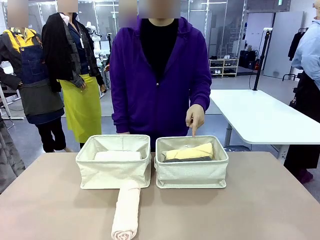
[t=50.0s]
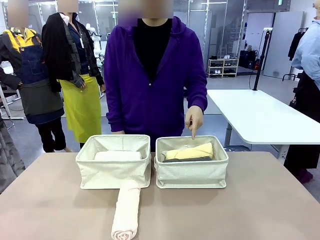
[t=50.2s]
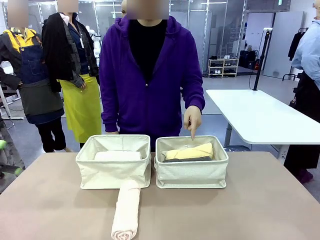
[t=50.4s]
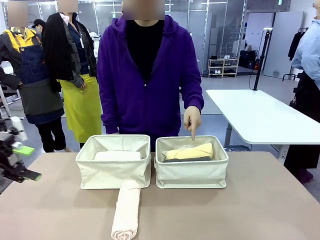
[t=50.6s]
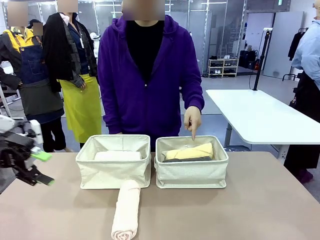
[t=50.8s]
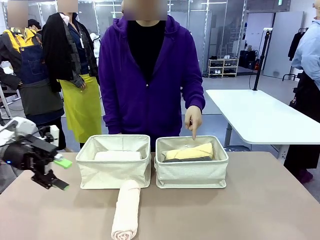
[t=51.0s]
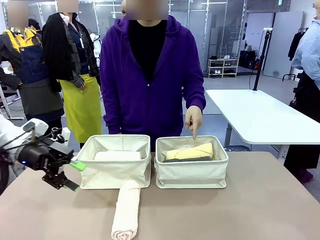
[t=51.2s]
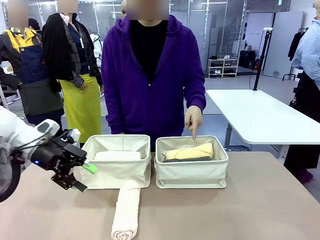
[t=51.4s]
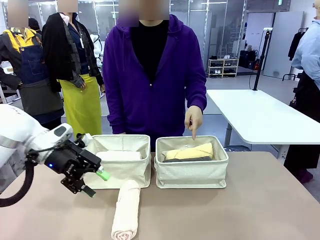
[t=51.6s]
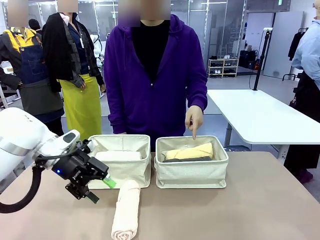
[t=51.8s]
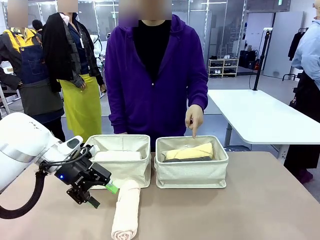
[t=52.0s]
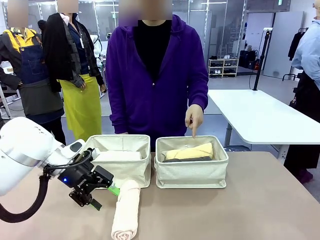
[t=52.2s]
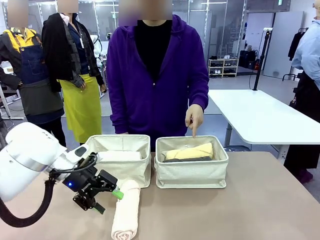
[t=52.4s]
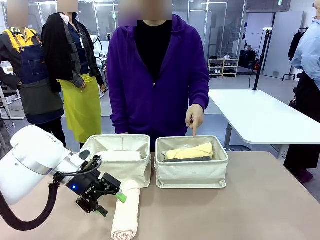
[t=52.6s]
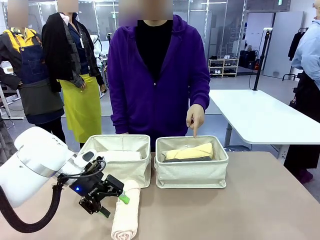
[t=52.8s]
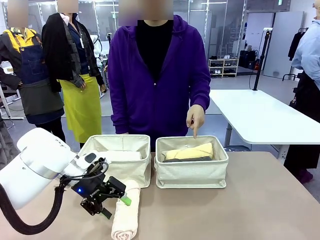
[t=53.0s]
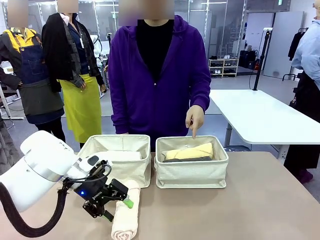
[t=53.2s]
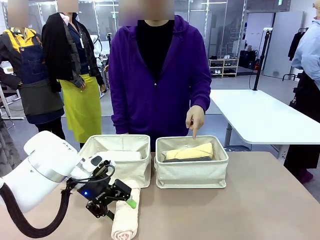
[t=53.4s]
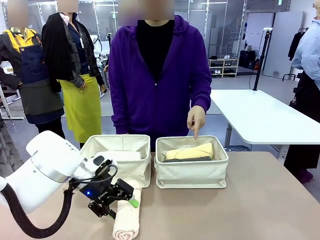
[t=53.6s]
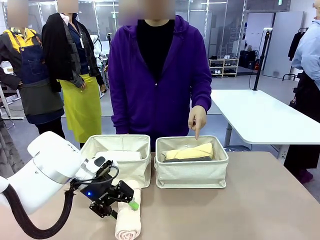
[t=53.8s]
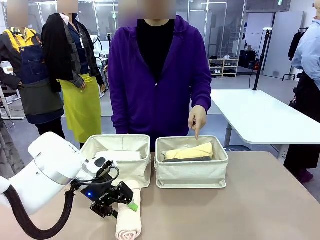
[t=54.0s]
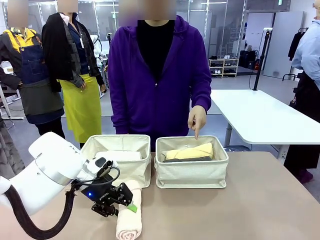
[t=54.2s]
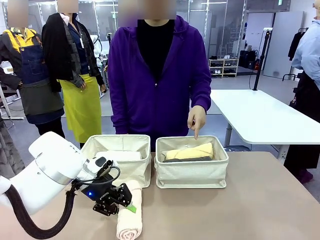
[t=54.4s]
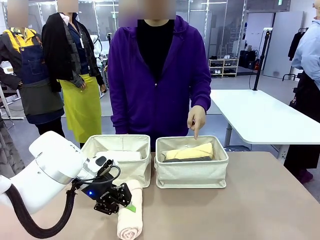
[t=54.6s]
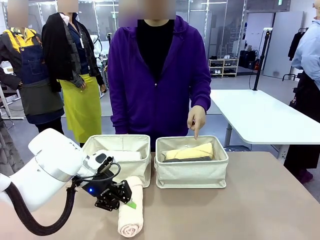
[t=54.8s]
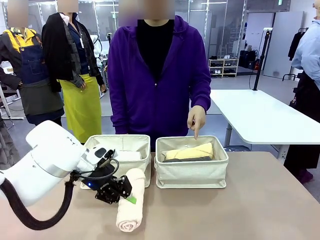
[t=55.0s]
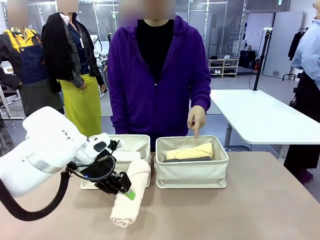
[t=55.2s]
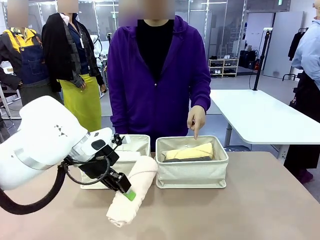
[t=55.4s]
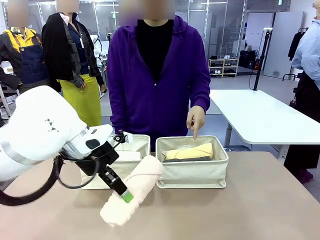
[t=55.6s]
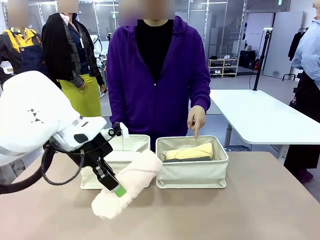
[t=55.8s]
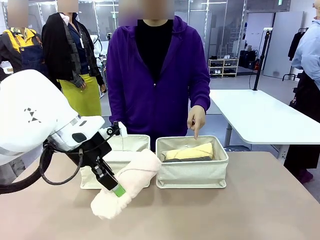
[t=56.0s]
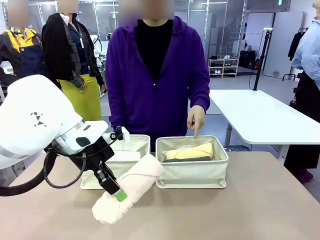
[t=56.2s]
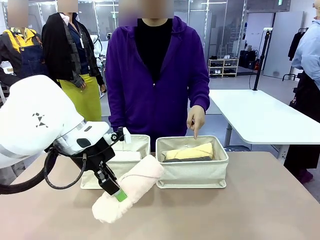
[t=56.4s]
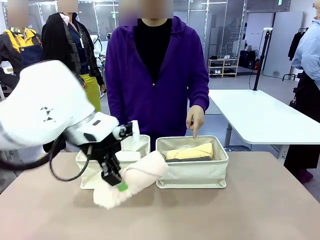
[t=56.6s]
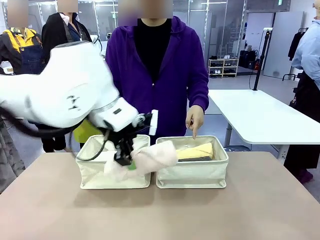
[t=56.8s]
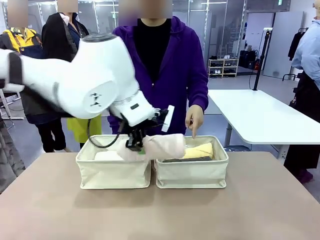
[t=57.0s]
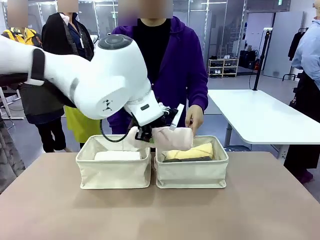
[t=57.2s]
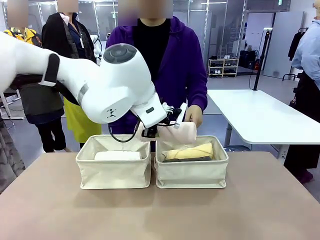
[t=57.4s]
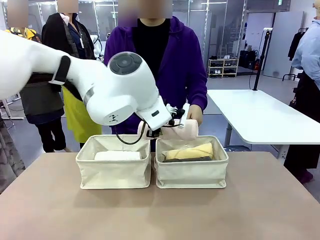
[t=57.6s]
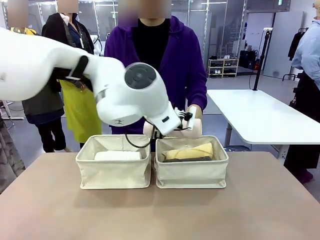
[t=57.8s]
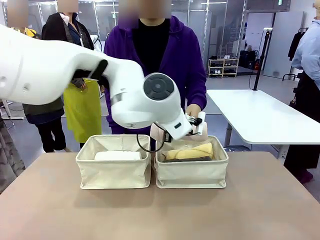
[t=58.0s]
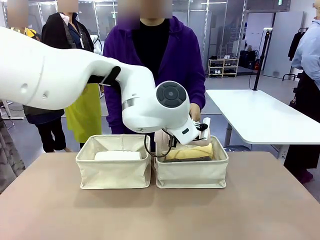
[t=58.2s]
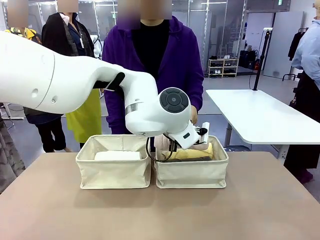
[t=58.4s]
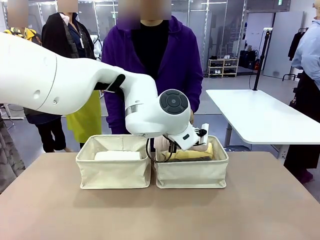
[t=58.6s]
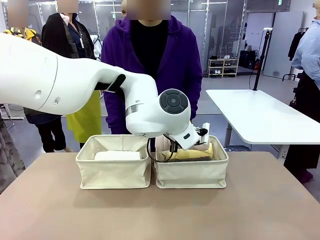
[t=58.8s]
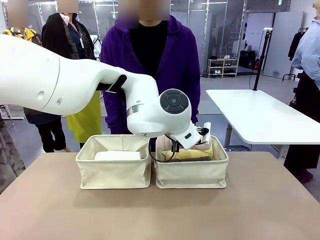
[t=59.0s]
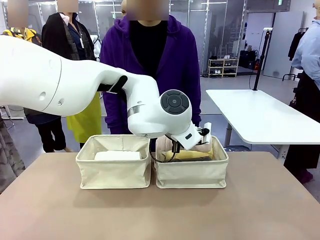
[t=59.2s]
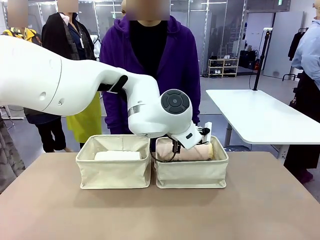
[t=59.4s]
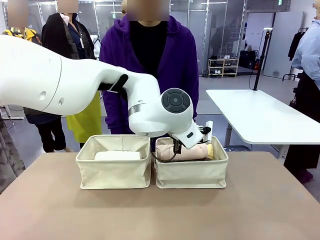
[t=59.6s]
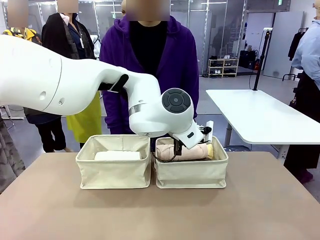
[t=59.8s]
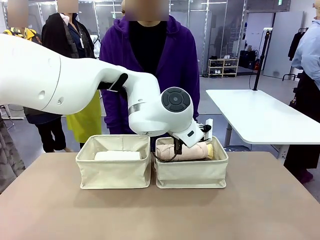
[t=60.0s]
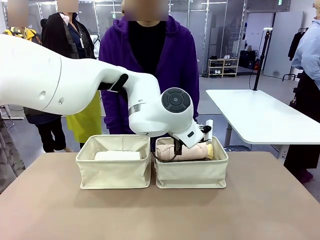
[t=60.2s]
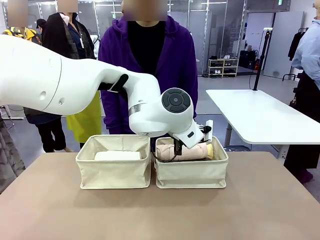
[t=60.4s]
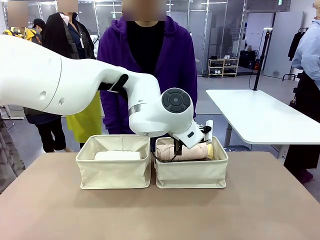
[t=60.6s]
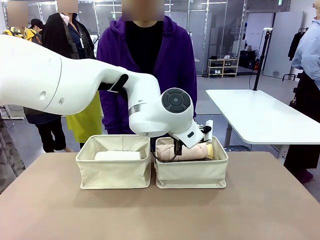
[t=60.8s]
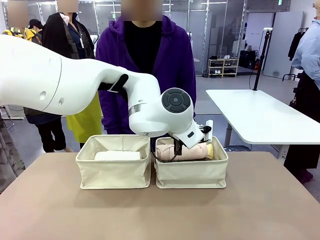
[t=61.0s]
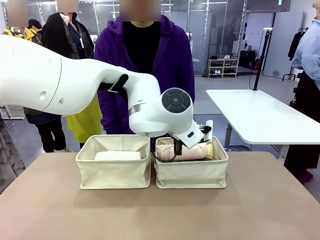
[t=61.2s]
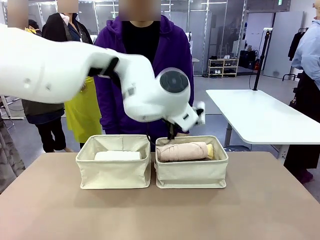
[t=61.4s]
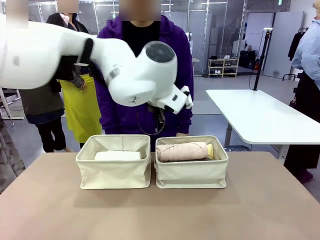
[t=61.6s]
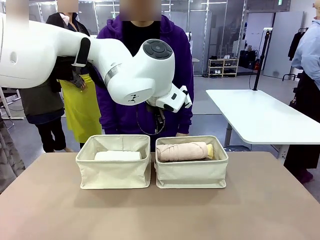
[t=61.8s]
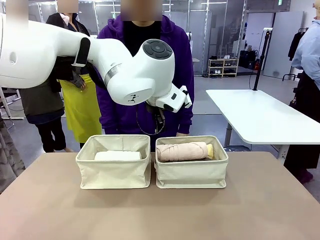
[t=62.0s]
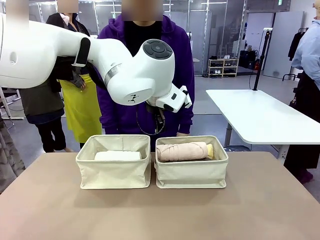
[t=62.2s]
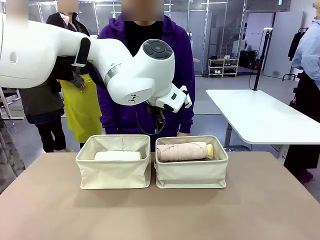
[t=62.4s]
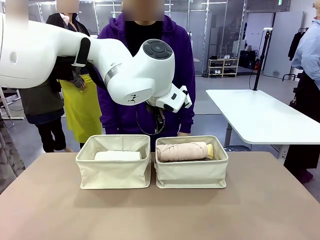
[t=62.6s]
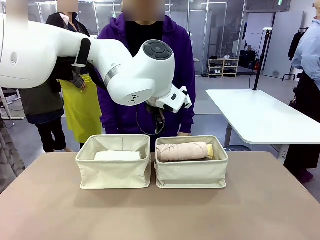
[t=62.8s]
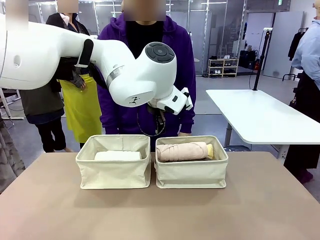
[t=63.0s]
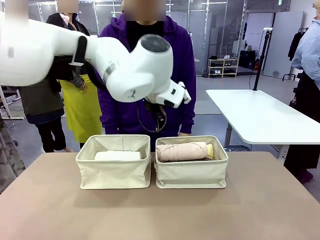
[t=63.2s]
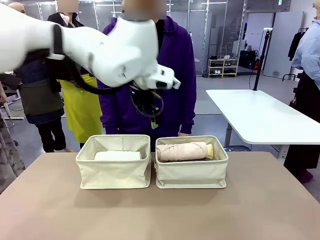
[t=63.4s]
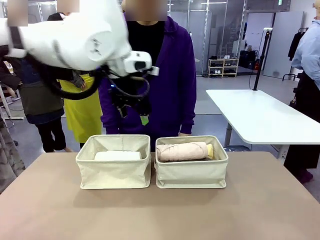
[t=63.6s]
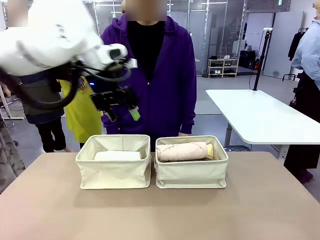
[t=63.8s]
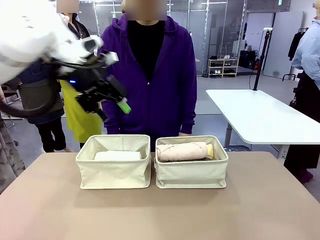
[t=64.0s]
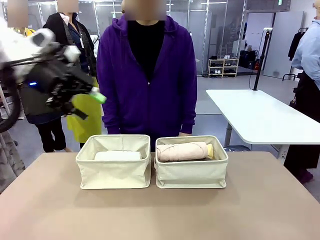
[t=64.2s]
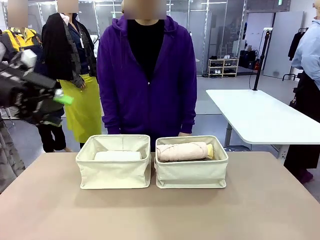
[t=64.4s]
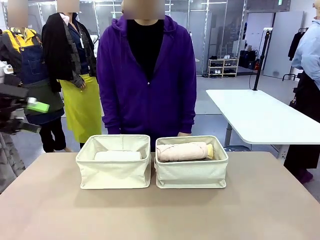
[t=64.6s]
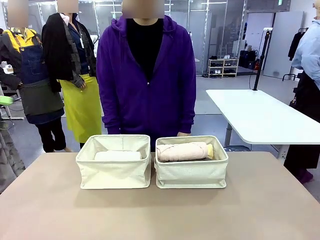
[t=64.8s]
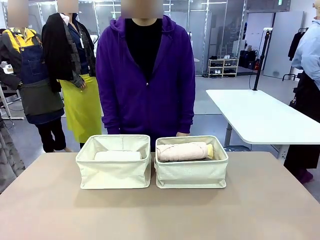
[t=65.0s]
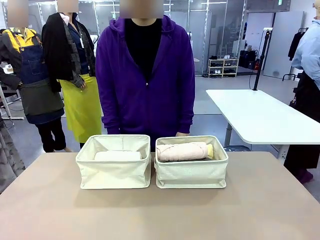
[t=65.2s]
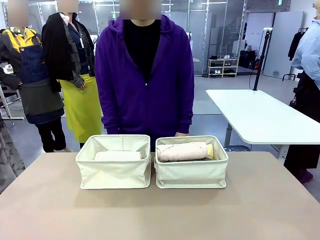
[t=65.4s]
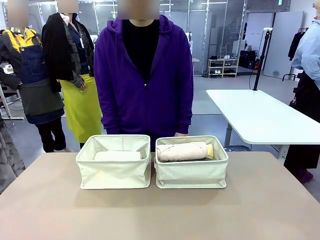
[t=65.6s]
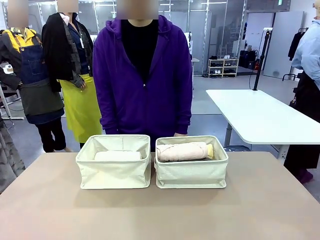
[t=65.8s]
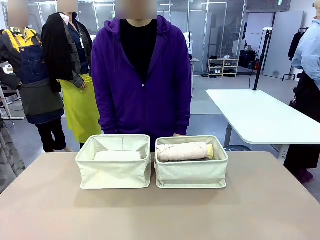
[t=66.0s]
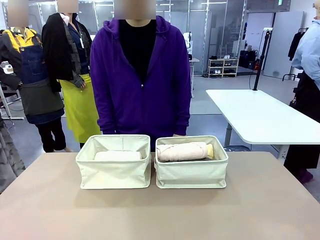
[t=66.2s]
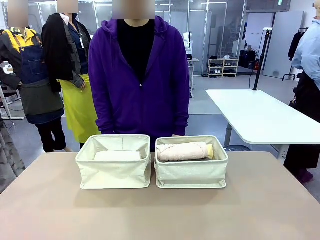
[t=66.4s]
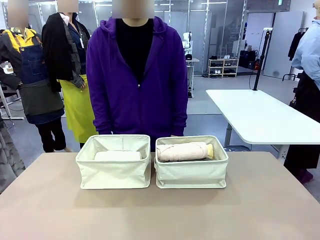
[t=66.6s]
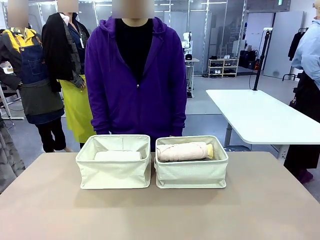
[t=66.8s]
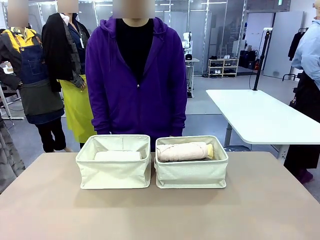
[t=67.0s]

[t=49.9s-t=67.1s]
Task: Divide the towels into two baskets.
Robot: Pick up one hotel-folded towel from the bottom of the table and place it in the Fabric basket indicated by the person.
